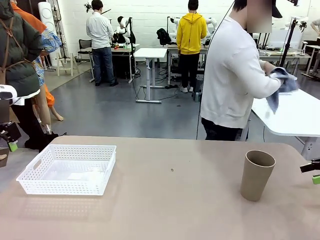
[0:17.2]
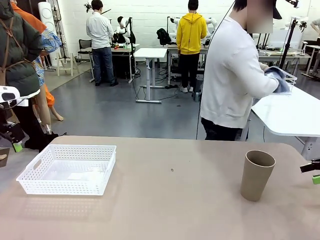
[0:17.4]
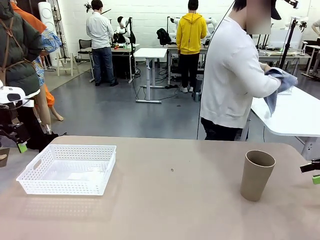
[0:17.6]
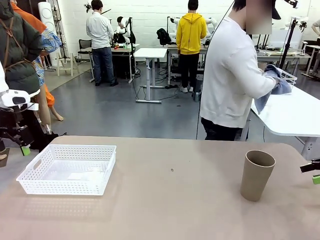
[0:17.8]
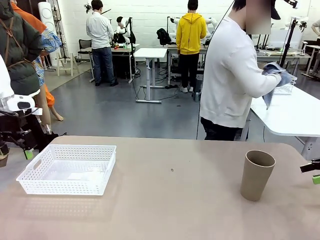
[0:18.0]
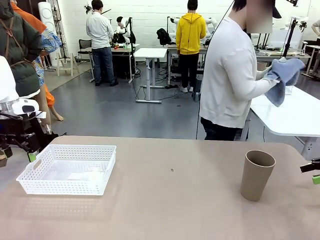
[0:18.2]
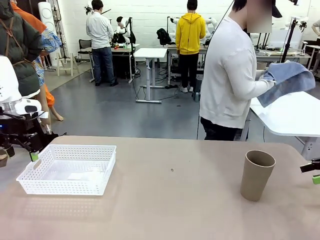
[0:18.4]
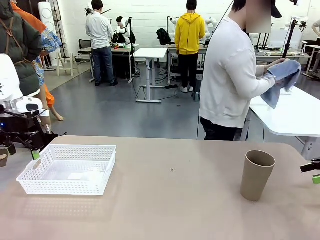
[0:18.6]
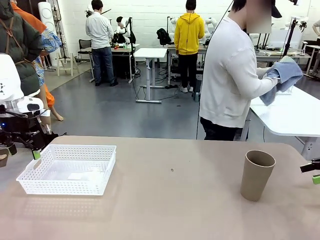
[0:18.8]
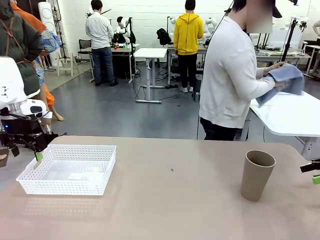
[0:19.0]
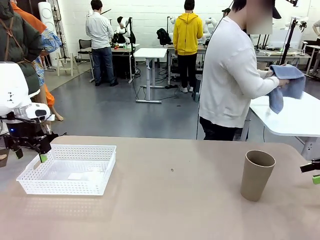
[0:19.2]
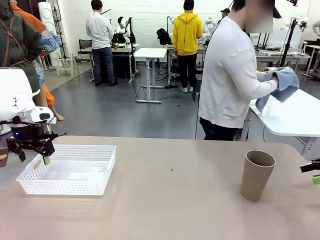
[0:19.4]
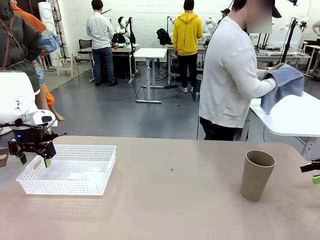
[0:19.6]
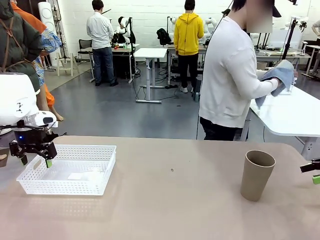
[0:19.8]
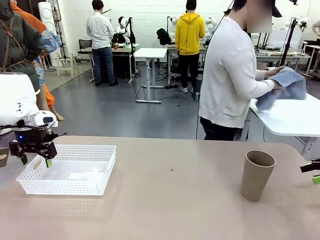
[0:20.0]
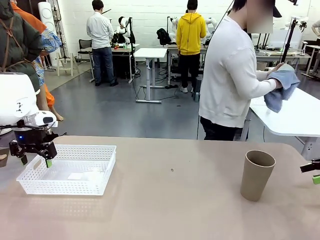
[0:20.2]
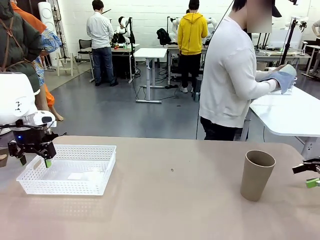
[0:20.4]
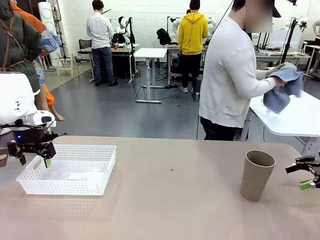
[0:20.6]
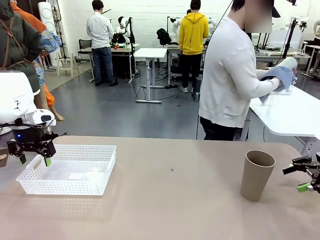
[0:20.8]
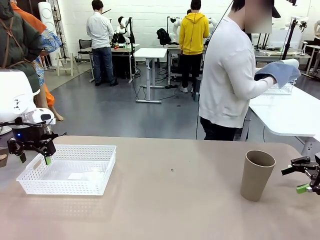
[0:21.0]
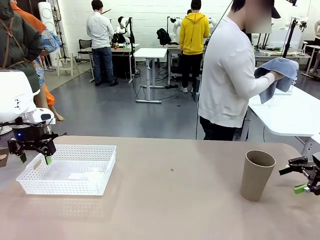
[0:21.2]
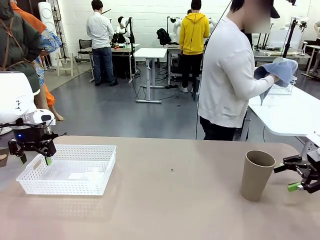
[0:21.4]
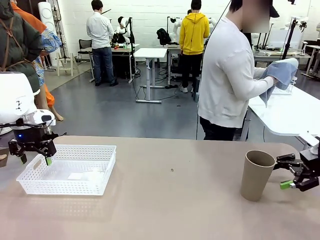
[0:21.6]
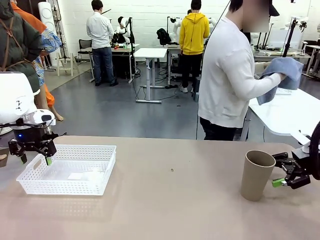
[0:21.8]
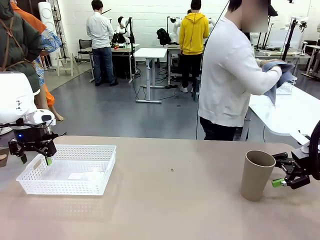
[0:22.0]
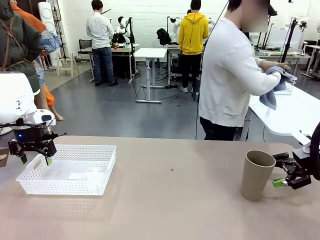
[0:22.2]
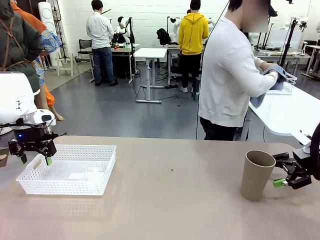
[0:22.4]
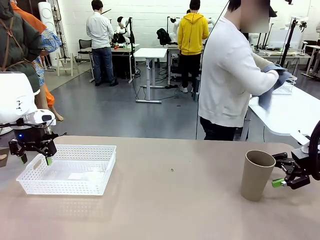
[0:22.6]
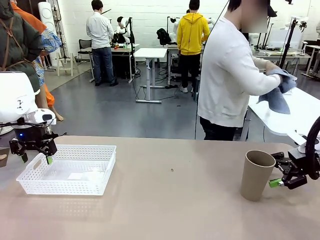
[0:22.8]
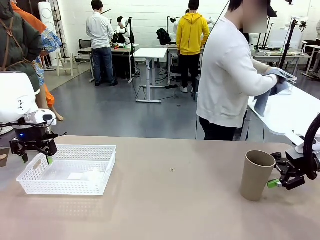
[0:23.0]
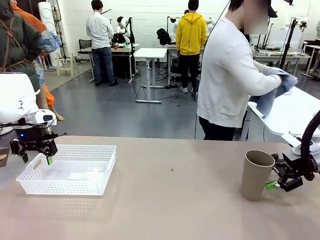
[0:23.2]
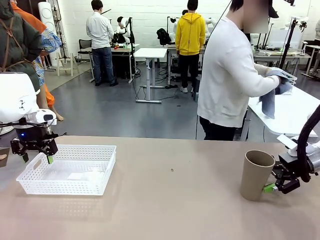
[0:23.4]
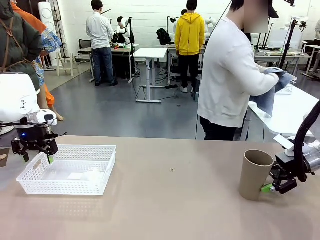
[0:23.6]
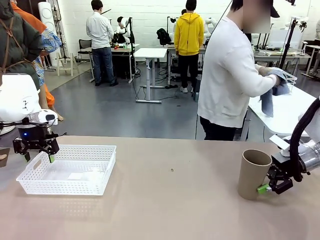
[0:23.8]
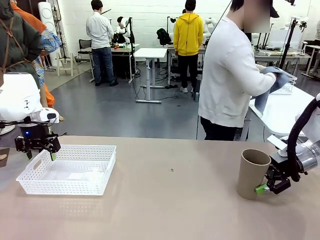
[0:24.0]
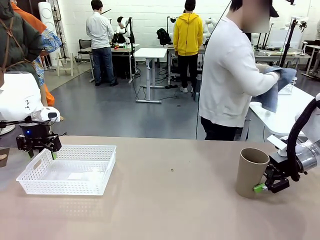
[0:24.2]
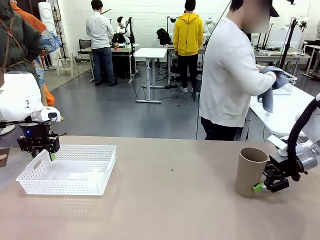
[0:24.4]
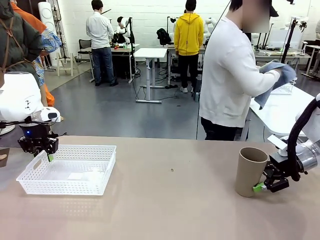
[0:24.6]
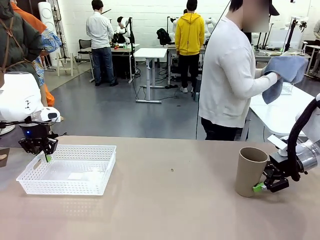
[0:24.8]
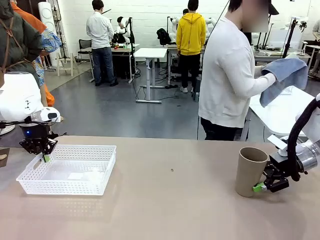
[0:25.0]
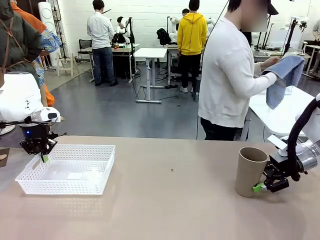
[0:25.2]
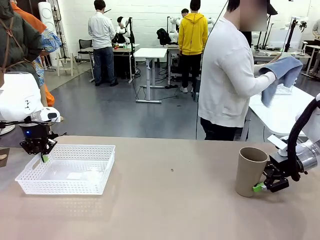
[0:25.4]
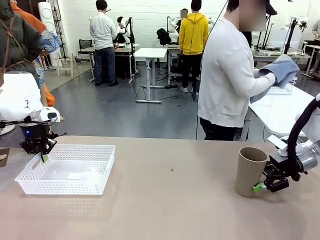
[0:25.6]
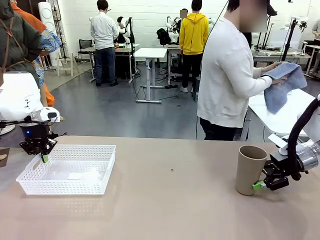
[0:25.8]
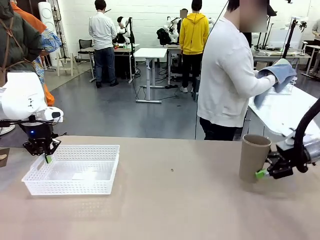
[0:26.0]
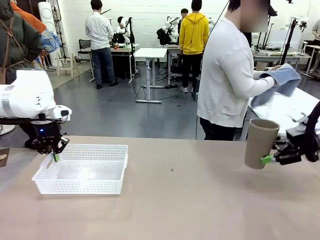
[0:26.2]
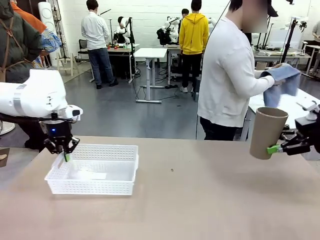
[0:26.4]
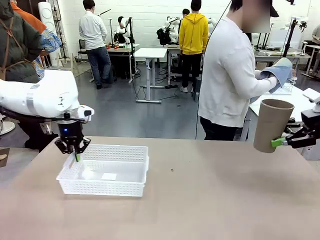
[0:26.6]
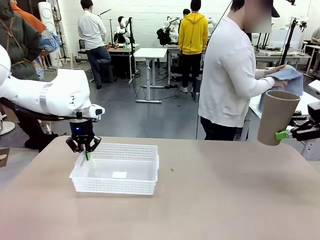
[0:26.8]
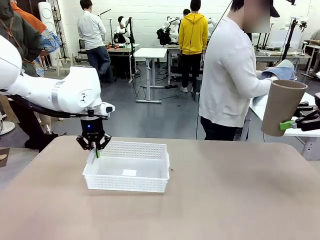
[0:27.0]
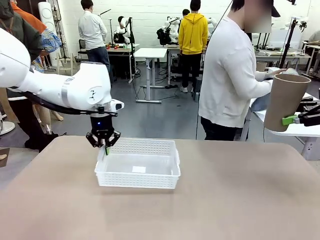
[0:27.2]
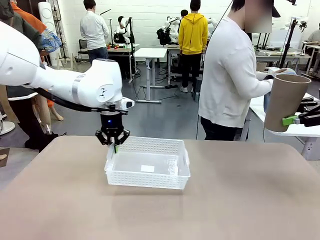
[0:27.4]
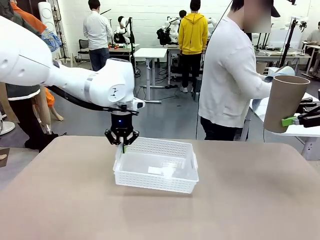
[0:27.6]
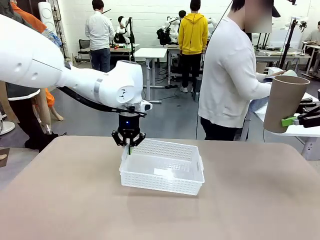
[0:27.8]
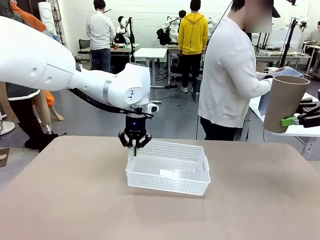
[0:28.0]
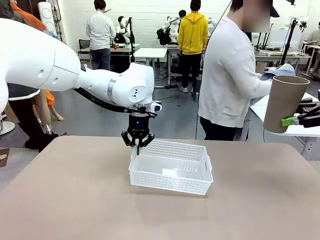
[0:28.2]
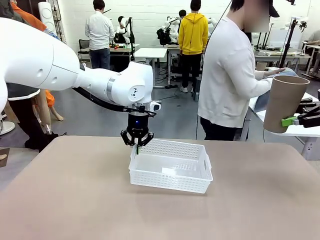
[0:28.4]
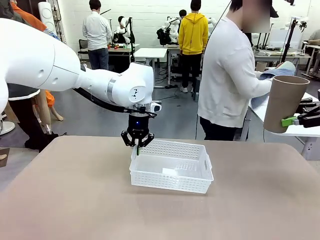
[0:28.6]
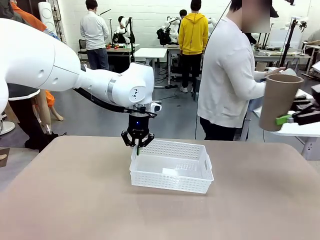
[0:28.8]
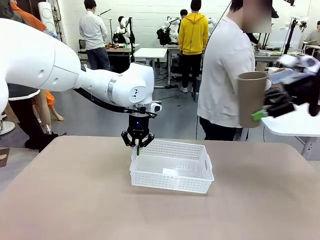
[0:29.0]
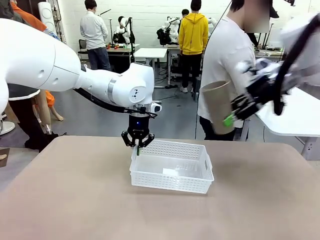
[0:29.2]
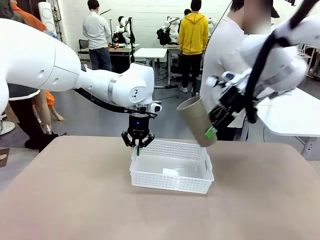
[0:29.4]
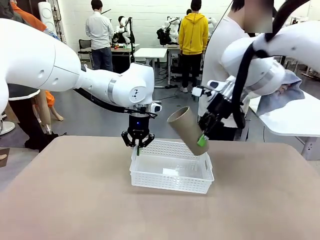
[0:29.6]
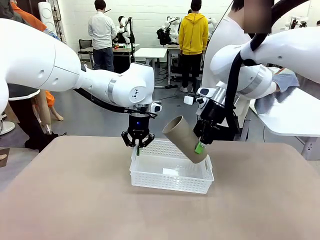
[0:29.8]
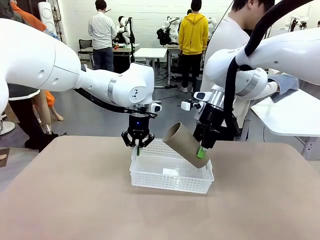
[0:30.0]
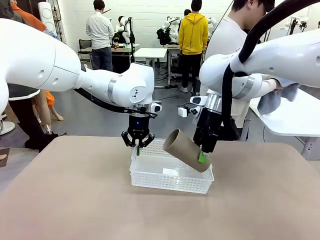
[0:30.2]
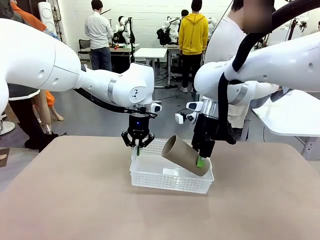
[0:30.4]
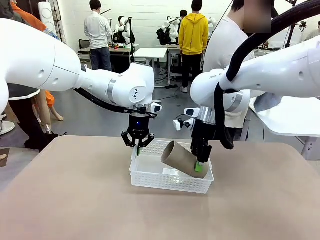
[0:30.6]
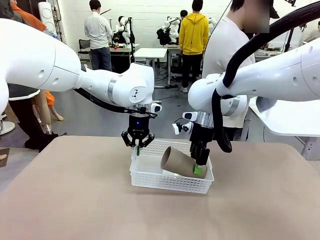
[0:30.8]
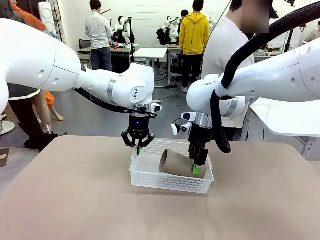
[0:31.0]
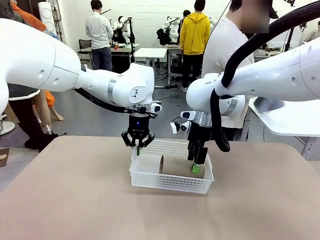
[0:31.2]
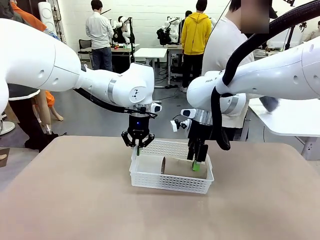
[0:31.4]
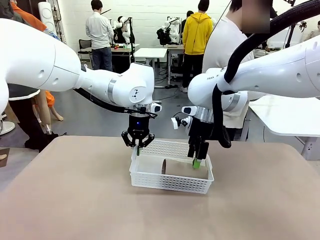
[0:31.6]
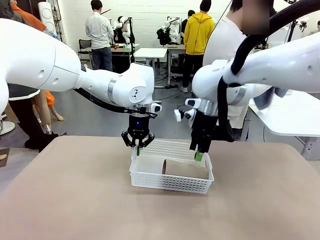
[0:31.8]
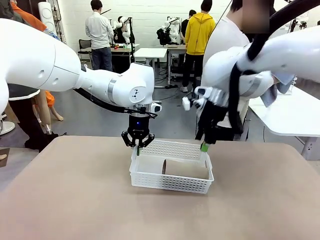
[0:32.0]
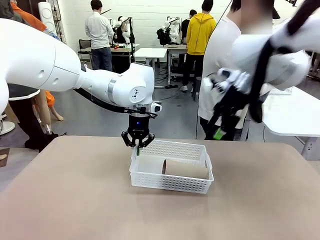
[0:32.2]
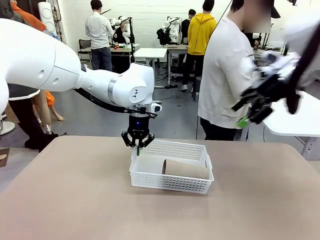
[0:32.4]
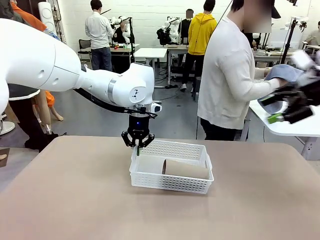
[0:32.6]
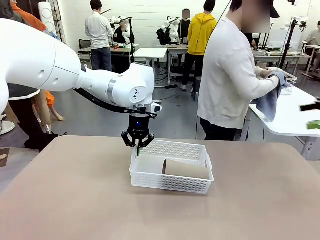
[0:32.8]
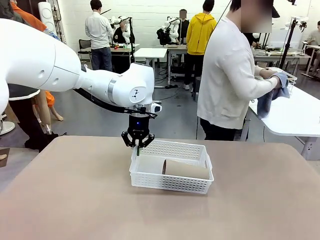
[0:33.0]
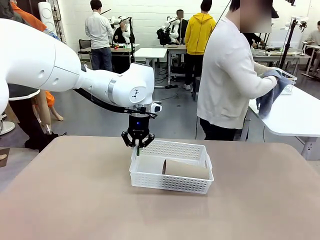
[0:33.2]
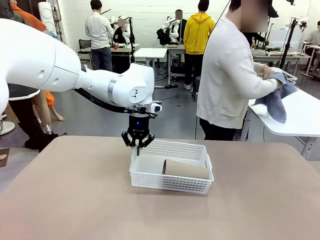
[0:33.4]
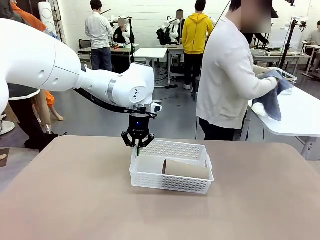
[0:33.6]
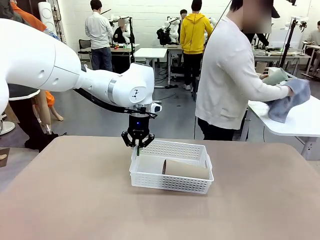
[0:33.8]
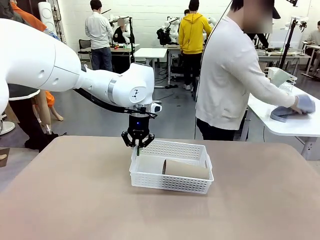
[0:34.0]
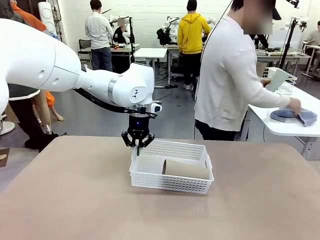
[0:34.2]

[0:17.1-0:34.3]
Task: Clean and organize the cups into the basket.
Robot: Pick up the Organizing basket and move it to the center of the table, then pick up the Reusable plastic cup from the right side of the table and place it inside the Organizing basket.
